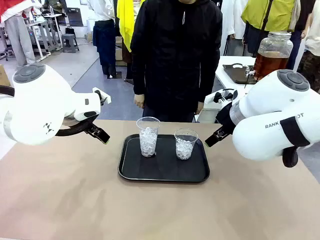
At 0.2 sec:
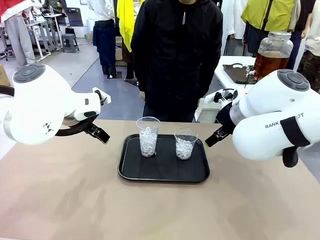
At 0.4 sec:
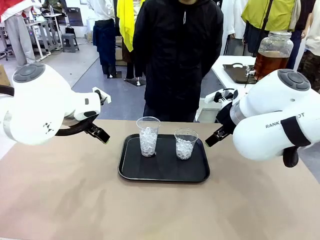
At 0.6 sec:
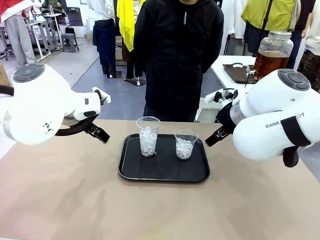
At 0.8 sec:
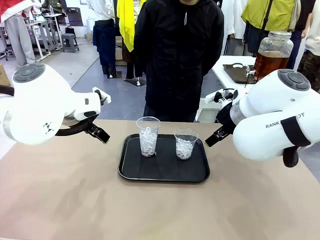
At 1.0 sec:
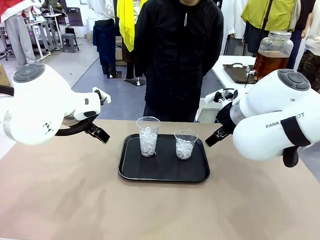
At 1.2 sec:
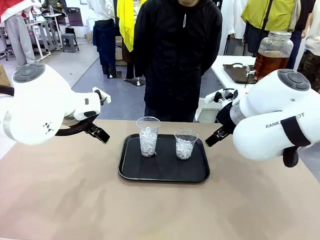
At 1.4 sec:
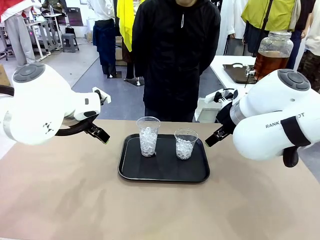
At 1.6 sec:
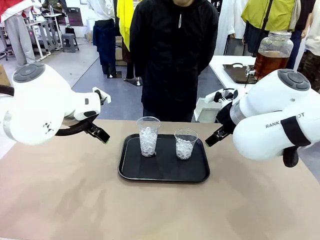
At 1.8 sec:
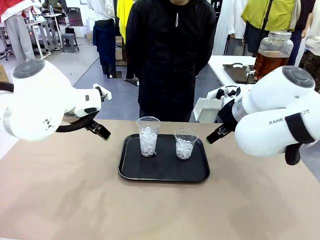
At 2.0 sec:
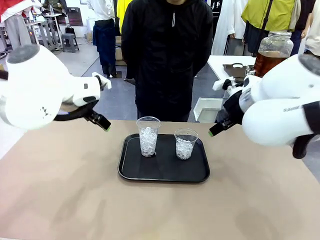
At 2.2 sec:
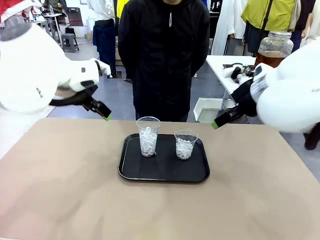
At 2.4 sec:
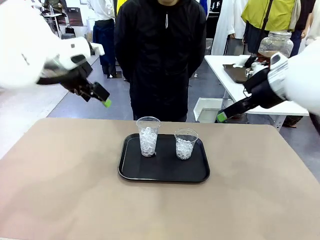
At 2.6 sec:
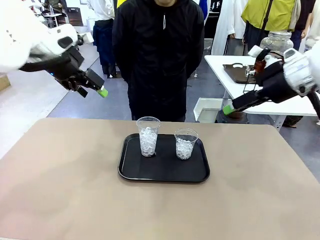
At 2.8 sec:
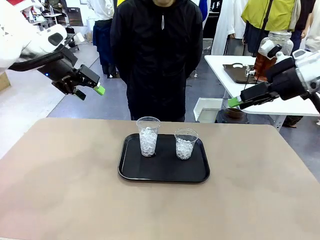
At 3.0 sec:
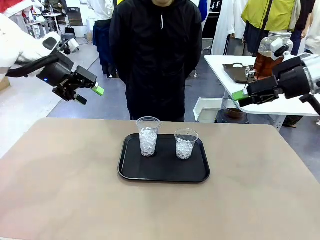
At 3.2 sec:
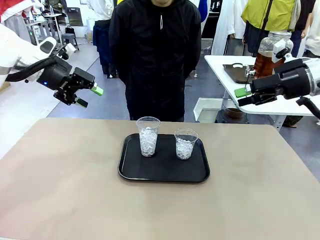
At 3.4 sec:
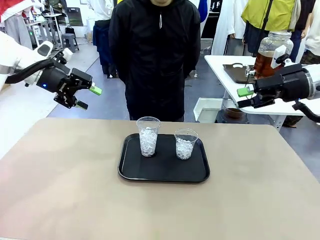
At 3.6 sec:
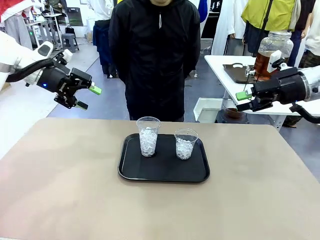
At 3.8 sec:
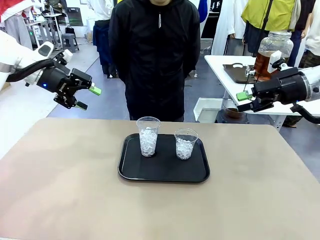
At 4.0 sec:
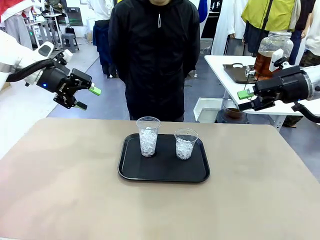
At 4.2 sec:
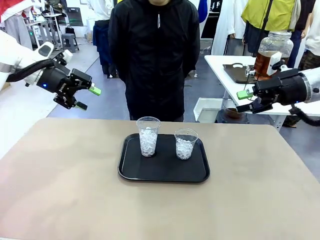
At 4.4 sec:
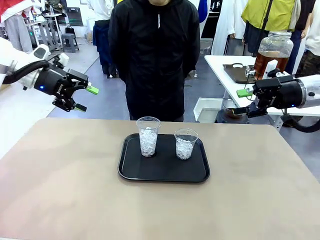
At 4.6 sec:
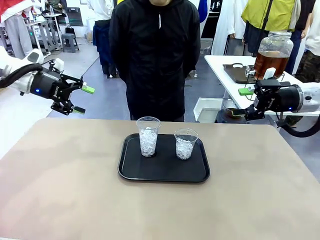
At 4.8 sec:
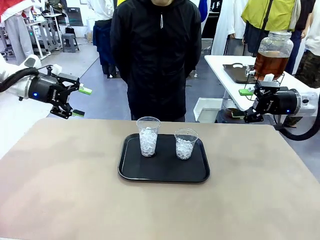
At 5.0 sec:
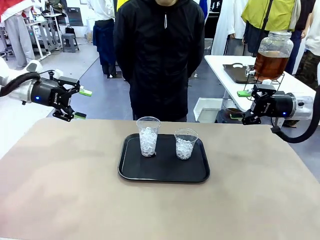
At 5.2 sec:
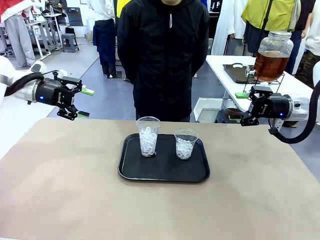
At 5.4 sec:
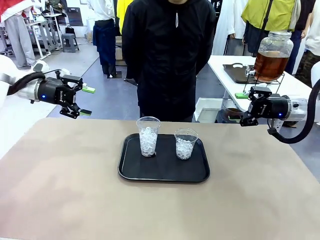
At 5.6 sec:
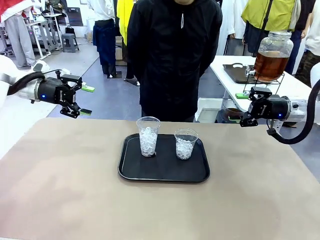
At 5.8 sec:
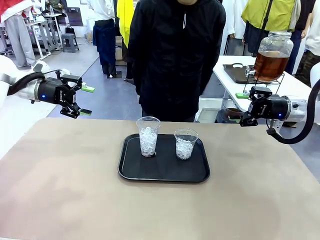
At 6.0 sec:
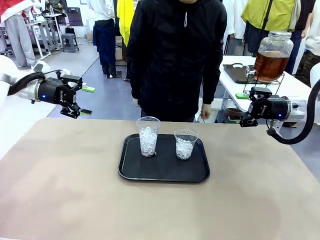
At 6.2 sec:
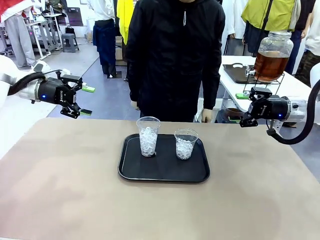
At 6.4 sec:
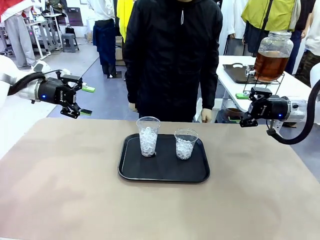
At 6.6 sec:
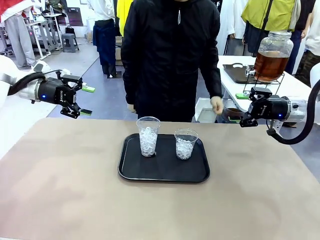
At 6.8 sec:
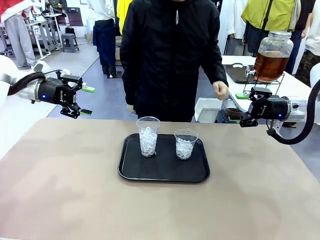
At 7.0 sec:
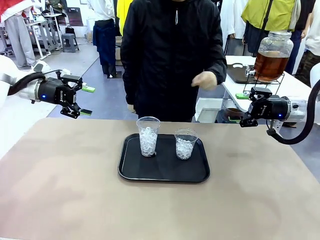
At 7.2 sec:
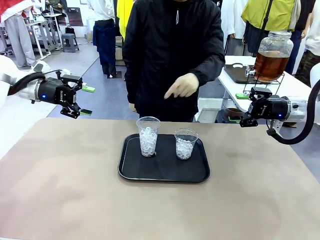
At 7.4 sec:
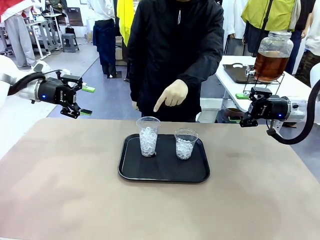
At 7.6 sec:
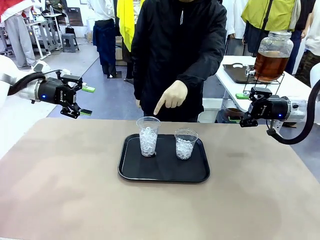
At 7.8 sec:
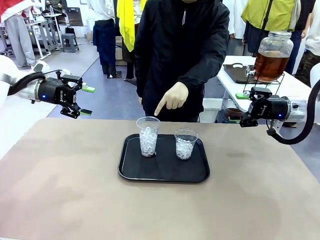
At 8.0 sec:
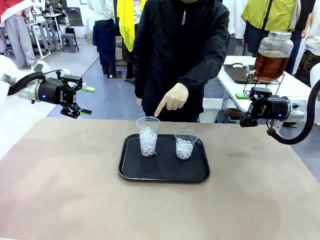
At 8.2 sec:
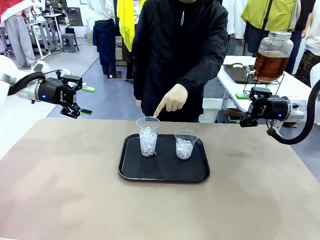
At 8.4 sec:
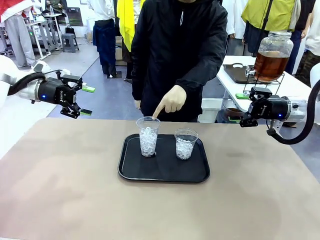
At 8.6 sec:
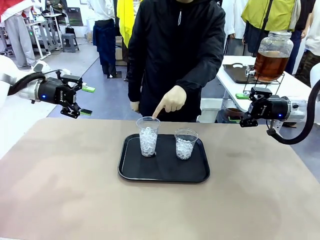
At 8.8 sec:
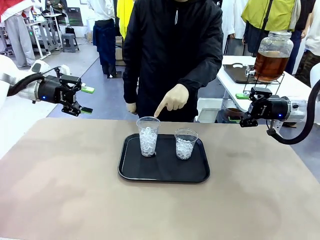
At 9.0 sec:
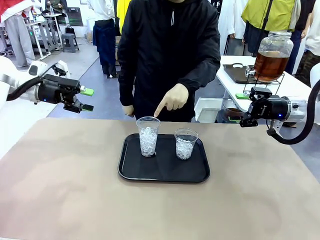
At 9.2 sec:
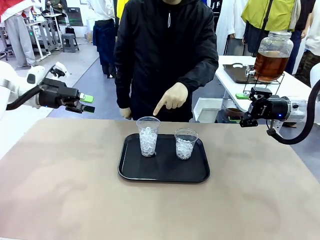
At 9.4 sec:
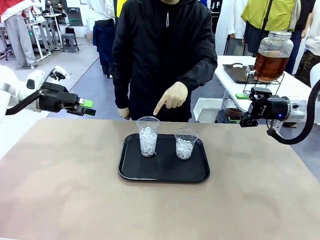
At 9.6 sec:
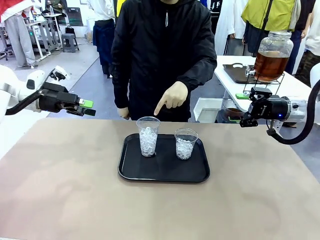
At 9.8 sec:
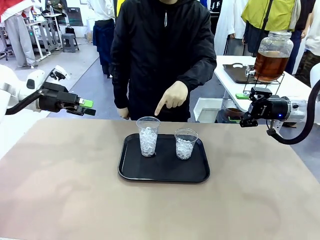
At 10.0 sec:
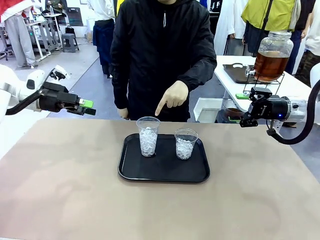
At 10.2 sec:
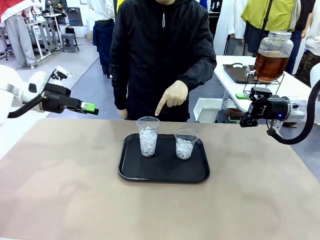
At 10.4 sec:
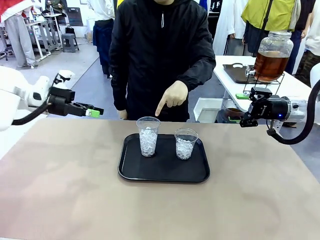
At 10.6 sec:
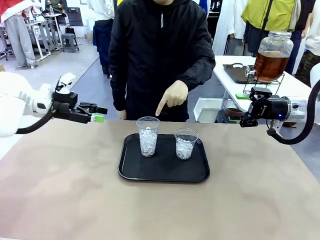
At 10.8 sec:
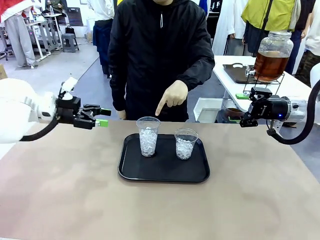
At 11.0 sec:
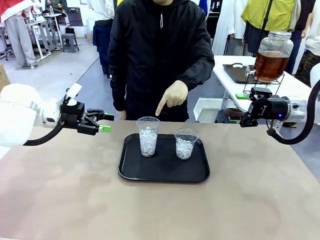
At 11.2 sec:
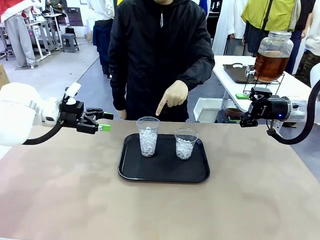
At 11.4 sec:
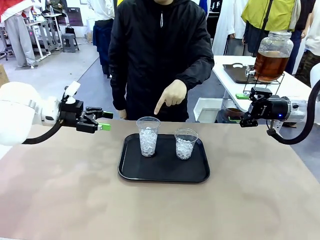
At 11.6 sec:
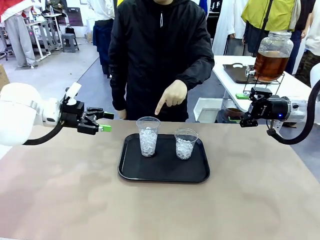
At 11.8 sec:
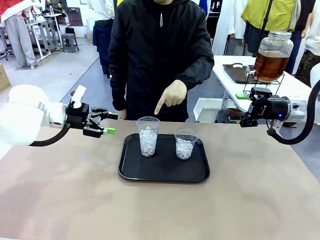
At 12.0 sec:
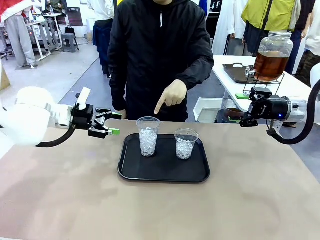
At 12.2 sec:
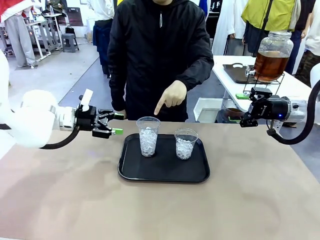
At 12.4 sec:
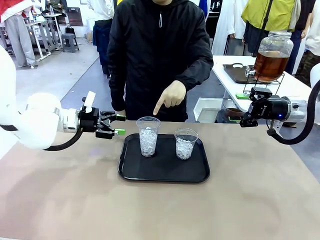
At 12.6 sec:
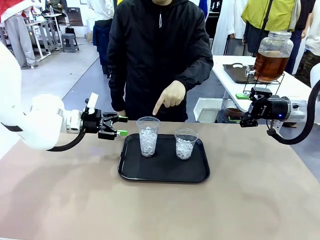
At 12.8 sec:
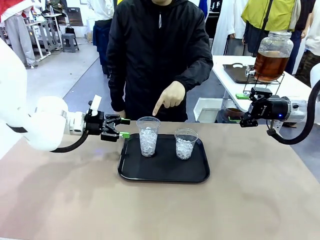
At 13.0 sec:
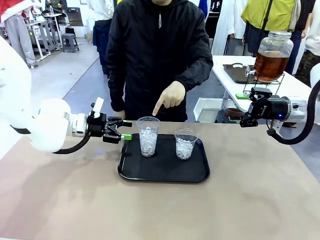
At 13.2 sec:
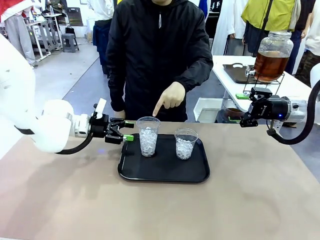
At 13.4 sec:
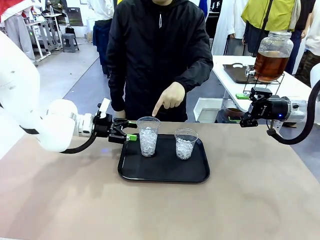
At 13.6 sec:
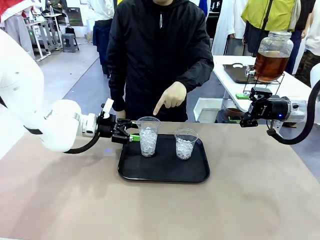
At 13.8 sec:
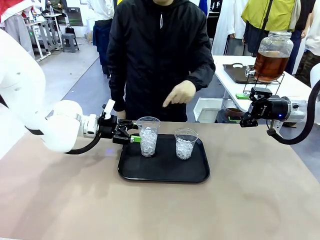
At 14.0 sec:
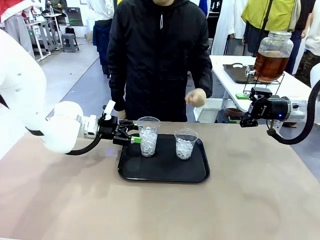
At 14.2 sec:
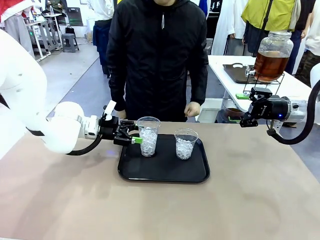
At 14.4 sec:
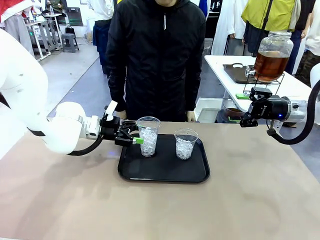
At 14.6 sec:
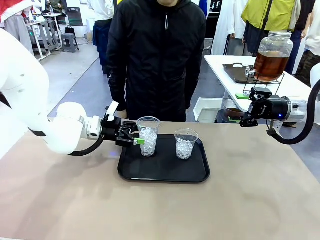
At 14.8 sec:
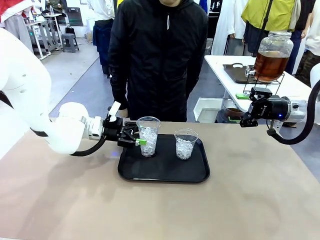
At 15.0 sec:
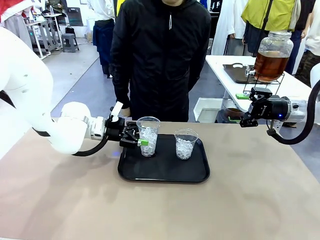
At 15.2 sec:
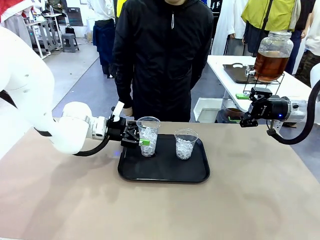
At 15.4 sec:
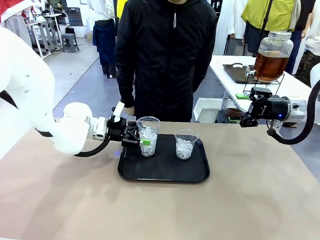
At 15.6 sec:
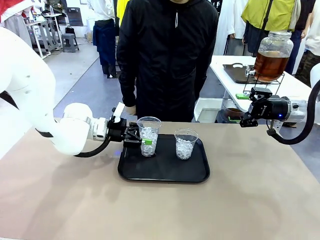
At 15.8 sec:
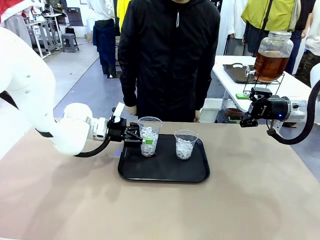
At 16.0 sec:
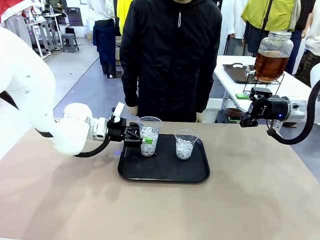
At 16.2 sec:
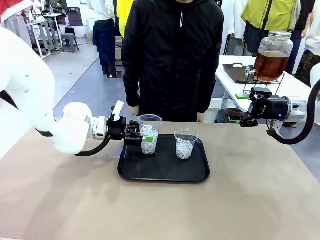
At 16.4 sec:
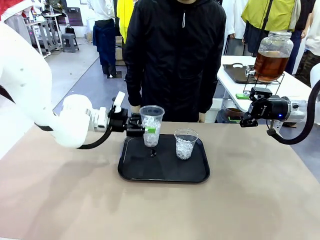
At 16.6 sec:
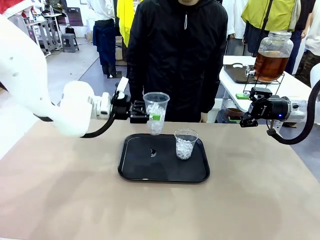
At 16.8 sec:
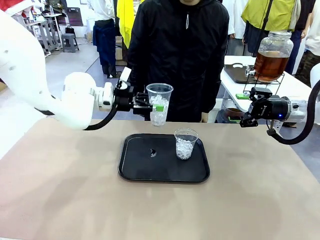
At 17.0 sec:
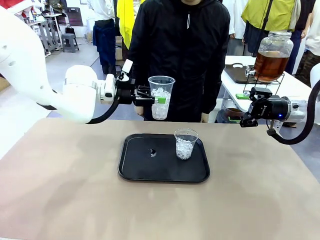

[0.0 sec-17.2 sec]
Task: Pour the drink into the iced cup.
Robot: Pick up the iced cup indicated by the human and present it to them.
Person: Point to one of the two ice cups. Pick up the cup offered by the robot.

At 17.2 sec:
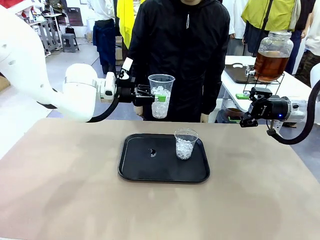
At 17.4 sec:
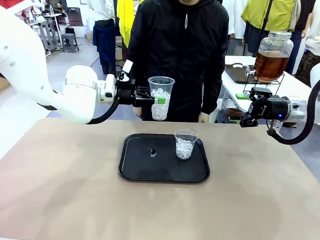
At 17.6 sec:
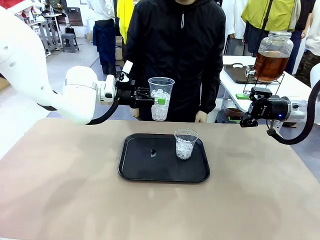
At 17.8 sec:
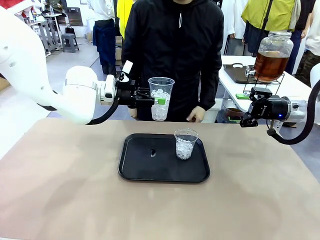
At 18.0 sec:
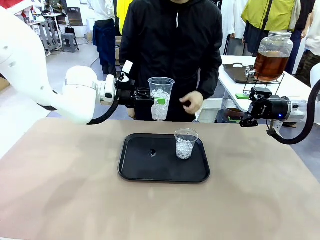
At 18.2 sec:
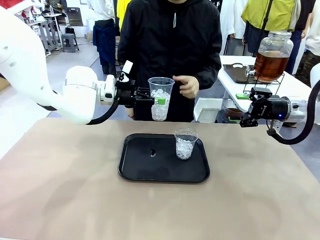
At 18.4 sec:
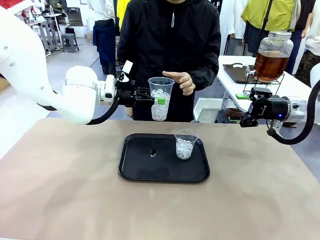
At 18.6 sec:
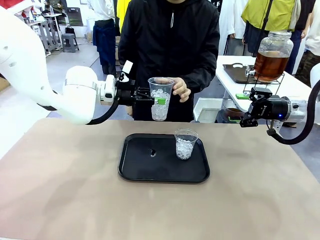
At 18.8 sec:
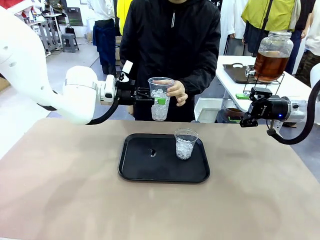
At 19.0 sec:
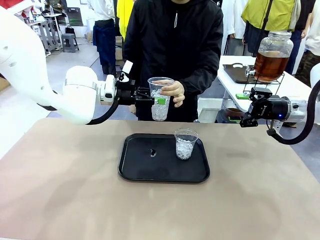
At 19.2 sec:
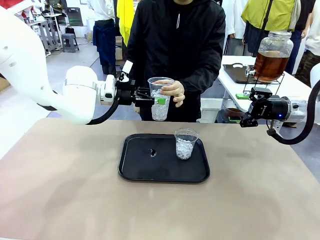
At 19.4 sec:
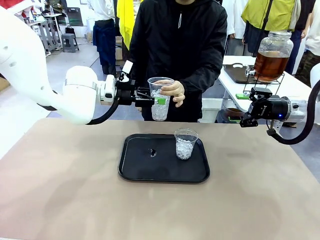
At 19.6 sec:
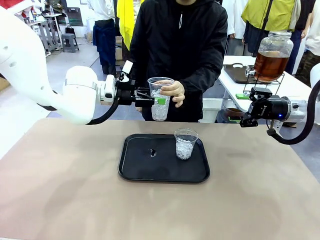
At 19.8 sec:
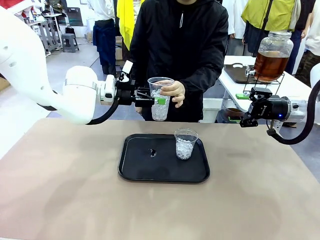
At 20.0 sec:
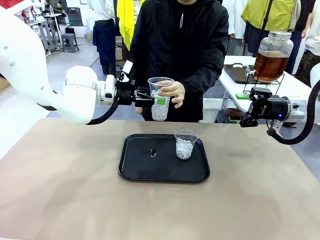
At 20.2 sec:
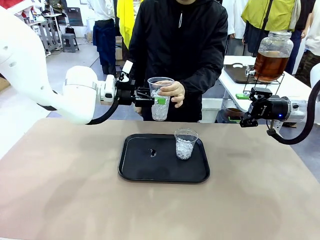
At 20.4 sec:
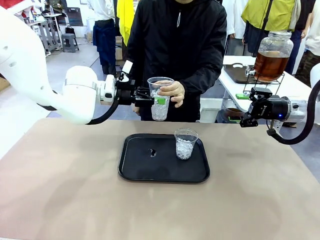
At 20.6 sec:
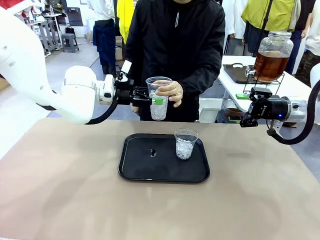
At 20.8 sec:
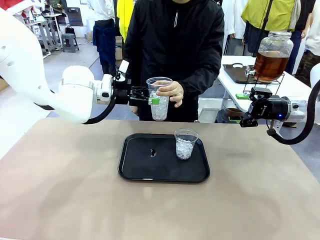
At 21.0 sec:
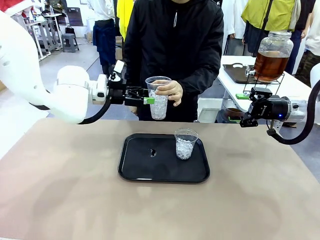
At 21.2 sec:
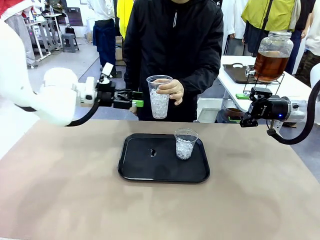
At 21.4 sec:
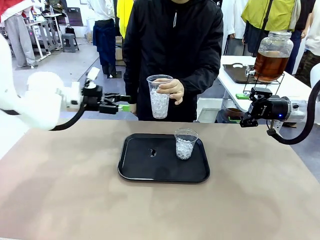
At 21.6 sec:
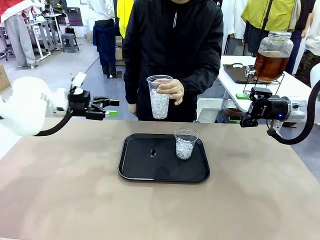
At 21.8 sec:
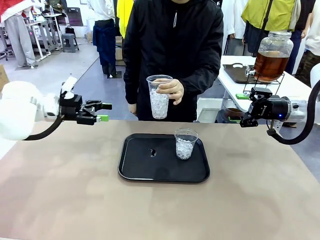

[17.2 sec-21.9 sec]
Robot: Open the gripper to release the iced cup you were holding.
